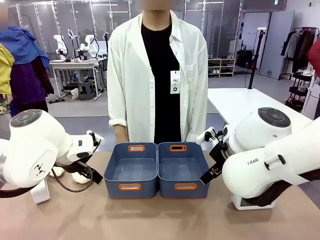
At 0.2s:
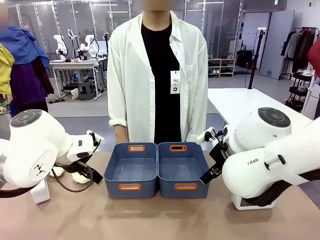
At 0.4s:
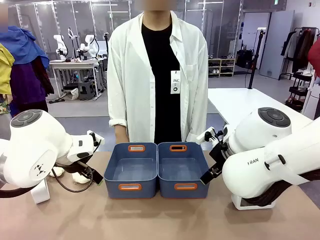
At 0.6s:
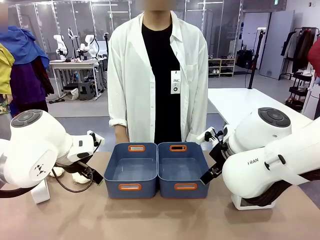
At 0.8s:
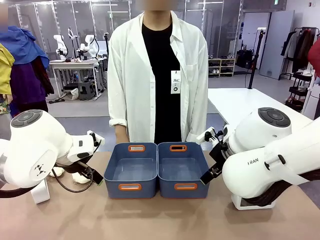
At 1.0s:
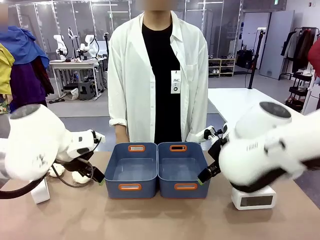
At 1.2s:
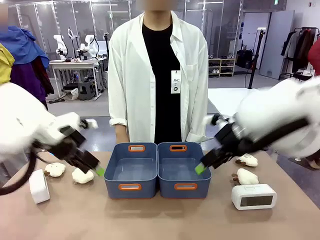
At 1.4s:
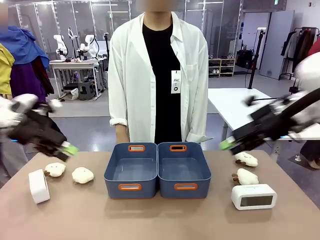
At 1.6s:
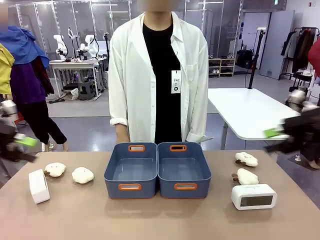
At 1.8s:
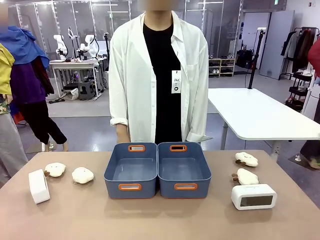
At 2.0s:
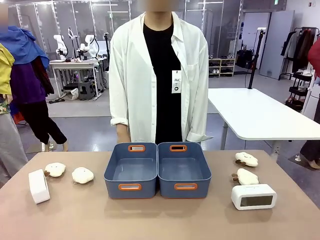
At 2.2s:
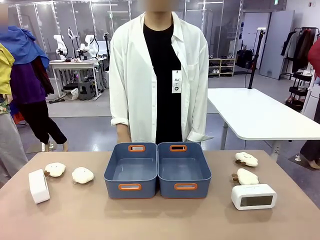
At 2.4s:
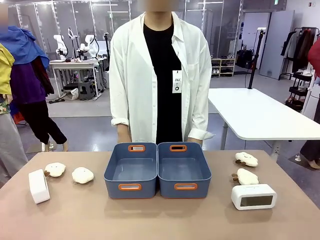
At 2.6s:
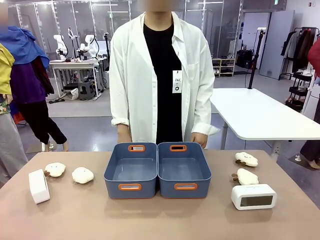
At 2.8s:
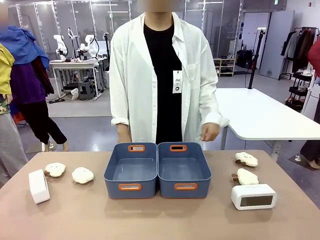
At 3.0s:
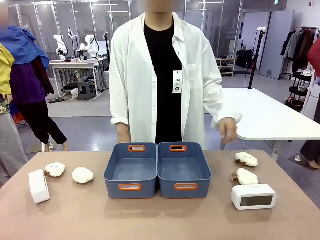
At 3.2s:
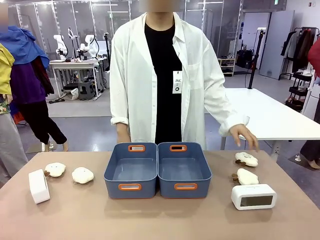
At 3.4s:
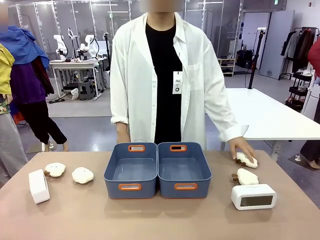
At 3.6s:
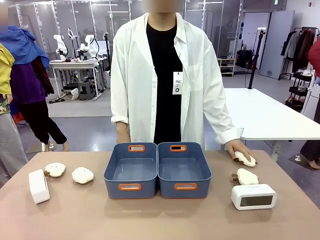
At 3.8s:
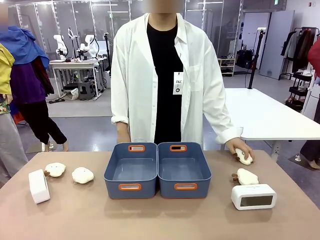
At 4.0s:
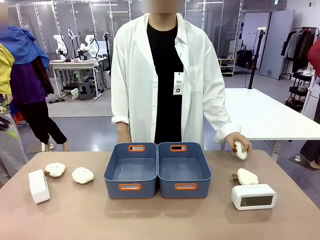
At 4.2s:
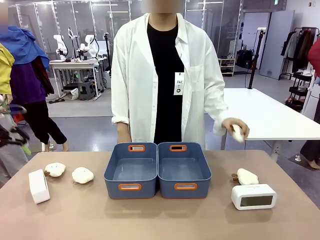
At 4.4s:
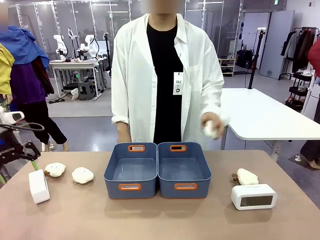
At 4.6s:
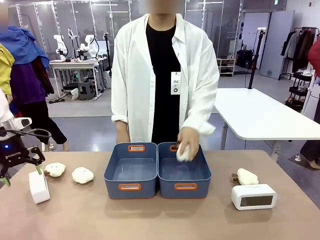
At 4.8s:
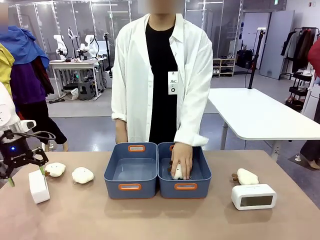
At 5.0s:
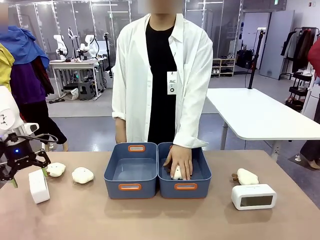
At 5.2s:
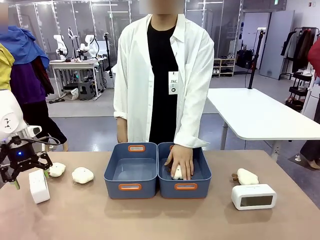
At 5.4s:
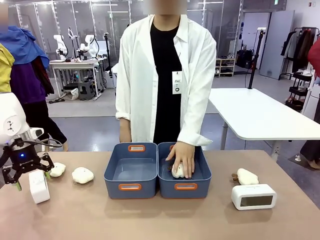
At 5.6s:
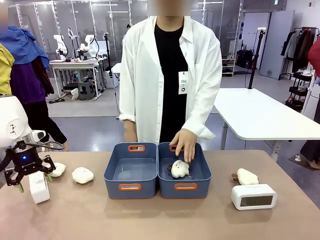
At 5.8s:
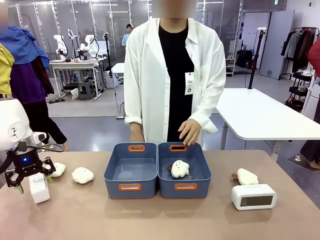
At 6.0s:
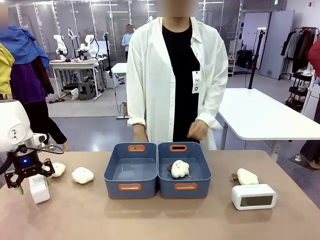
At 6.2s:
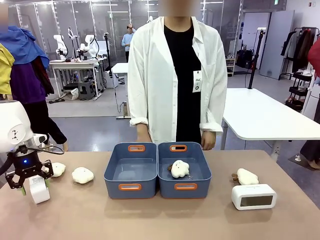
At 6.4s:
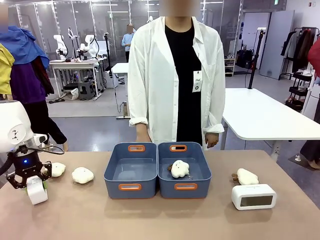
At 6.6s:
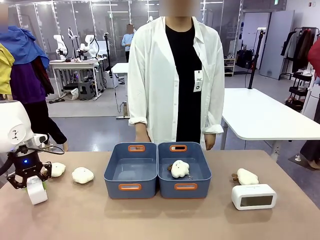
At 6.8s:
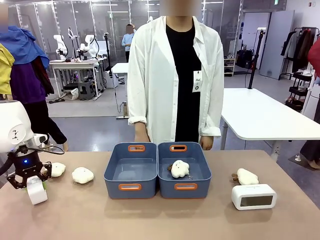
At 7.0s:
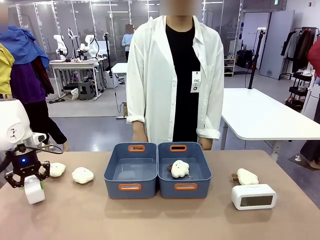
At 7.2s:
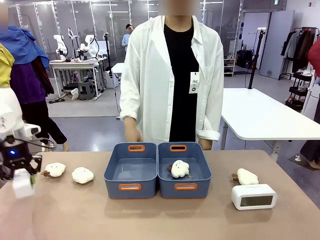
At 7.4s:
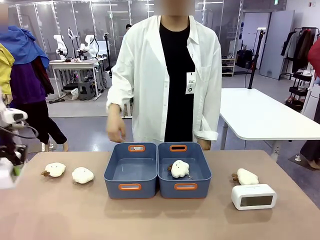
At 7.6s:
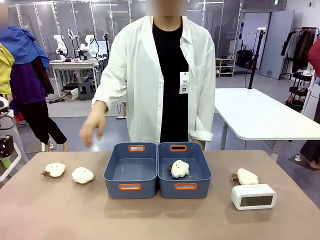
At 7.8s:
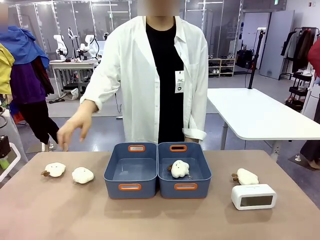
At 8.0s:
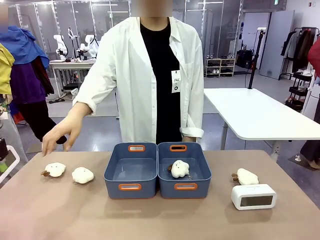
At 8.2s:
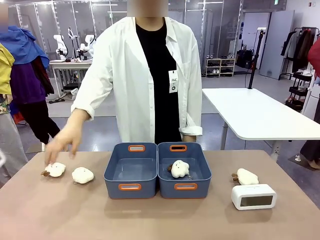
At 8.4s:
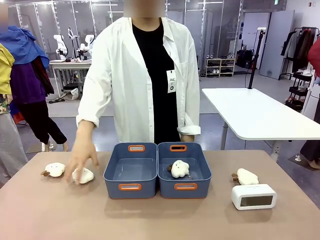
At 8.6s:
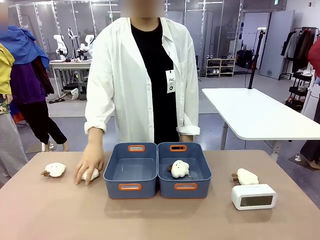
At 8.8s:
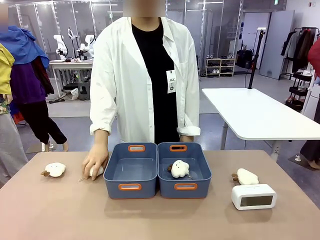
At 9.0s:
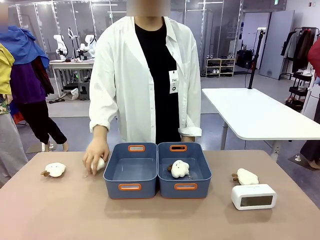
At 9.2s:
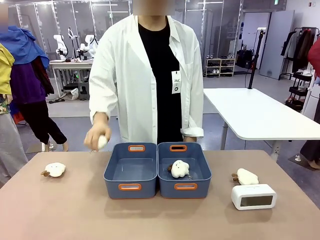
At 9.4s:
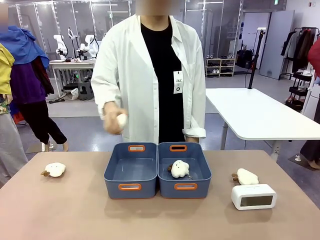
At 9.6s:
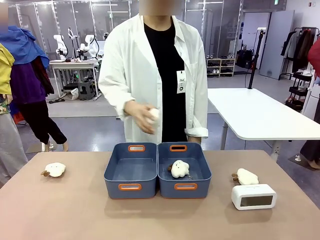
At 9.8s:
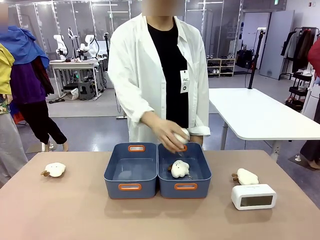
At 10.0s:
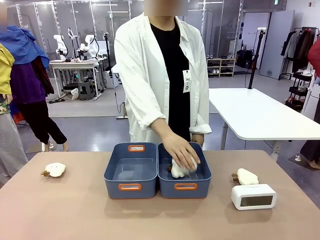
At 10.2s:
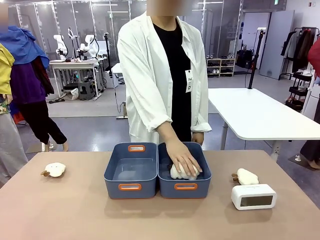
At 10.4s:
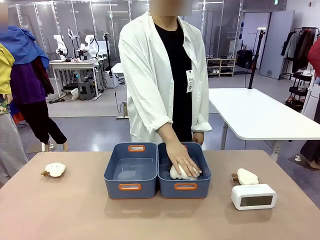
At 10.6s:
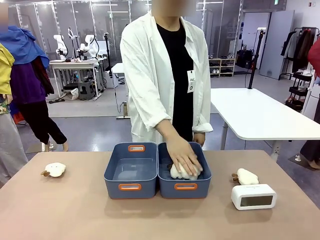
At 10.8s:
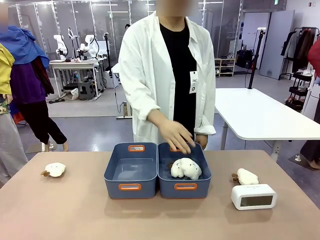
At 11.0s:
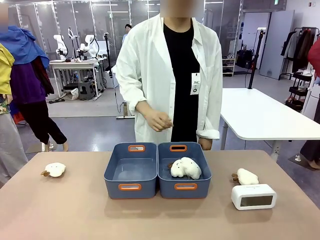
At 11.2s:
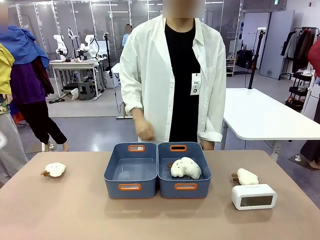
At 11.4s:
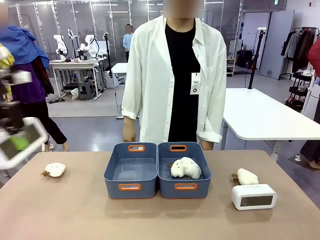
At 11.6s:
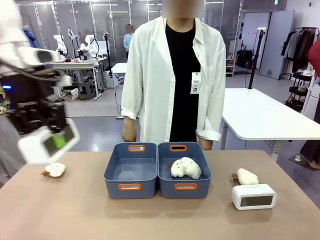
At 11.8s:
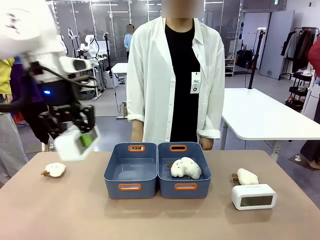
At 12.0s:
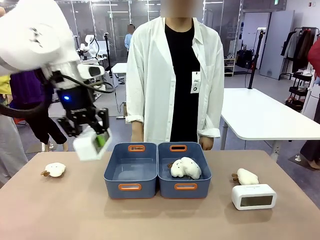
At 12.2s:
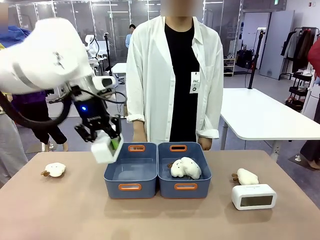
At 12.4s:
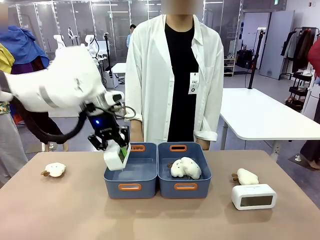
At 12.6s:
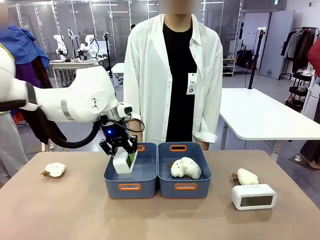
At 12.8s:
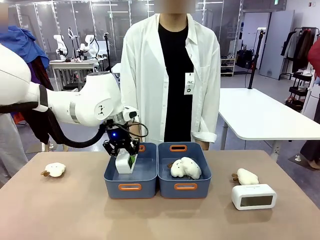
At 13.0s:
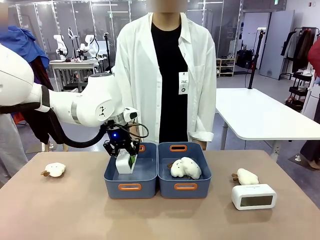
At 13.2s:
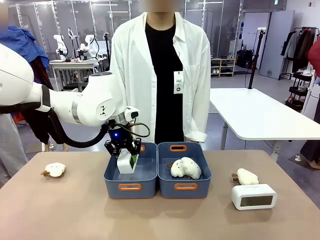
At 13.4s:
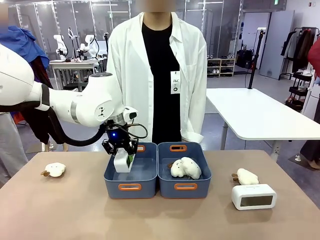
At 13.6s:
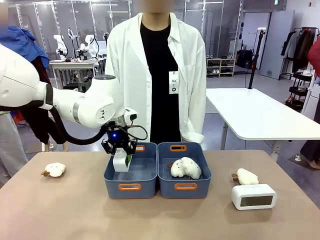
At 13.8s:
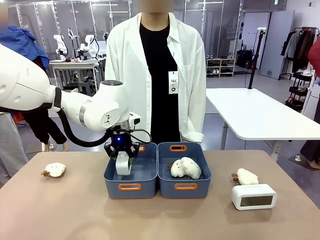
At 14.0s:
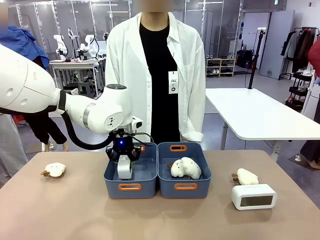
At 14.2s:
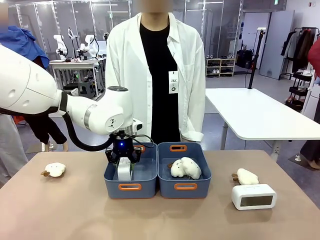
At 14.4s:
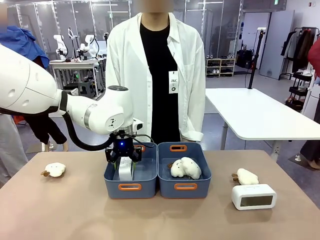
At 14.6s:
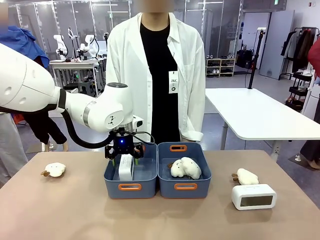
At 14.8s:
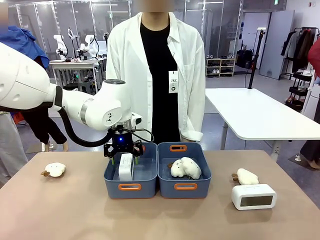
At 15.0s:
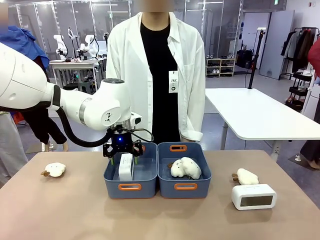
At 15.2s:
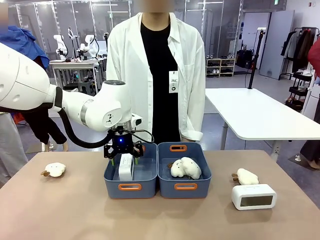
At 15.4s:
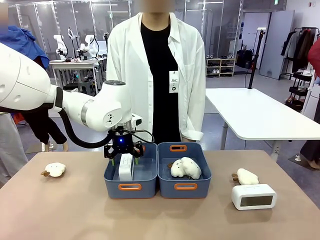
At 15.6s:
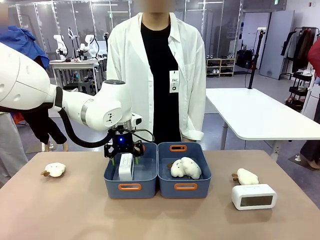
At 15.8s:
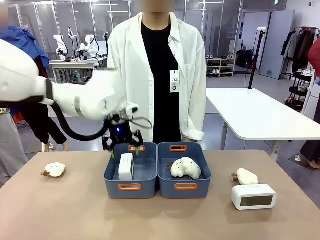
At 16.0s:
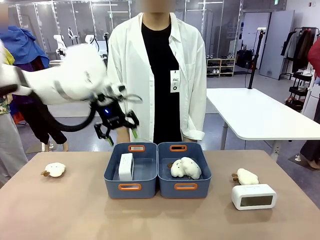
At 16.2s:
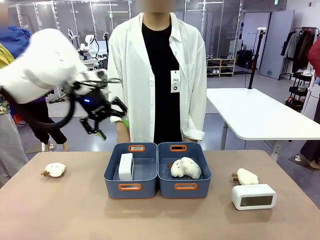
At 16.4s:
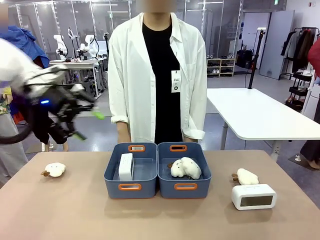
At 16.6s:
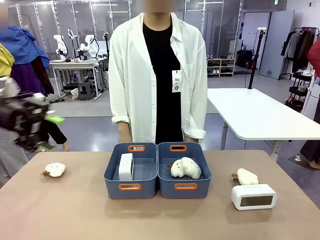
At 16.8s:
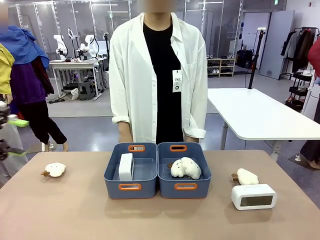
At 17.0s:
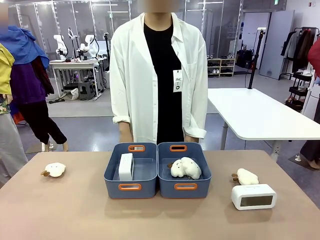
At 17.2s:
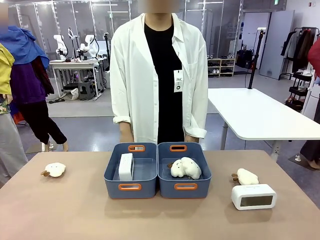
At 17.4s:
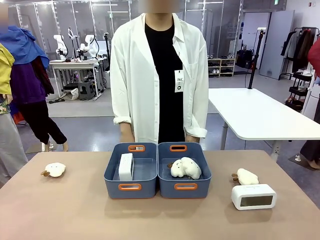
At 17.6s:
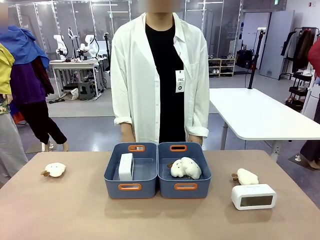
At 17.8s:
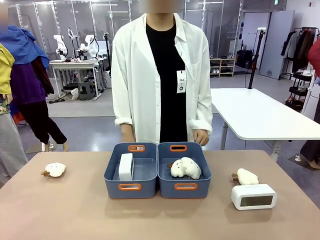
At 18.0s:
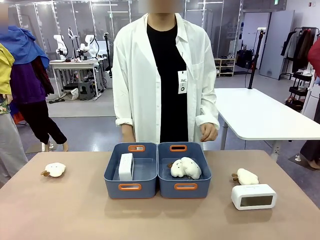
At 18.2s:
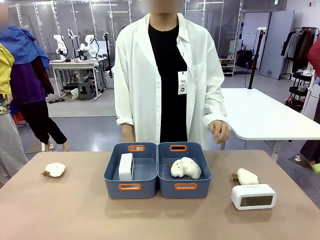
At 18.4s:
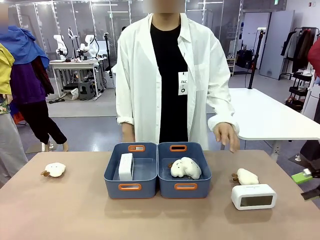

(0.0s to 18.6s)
Task: Sort the digital clocks into the basket.
Robot: Pick up the Digital clock from the table and place it into the empty Plastic storage basket.
Person: Pick up a plush toy from the table and place it in a plastic storage basket.
